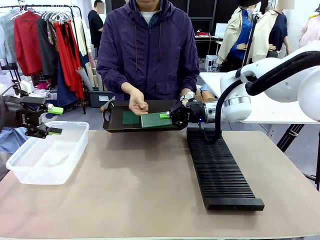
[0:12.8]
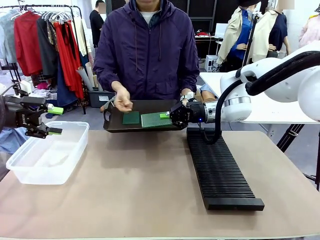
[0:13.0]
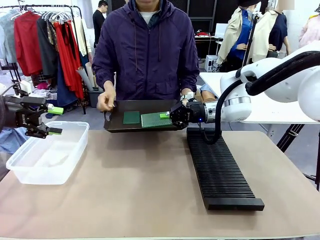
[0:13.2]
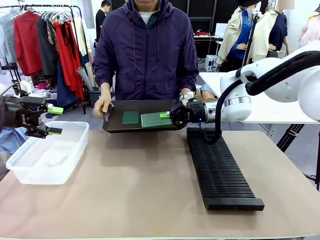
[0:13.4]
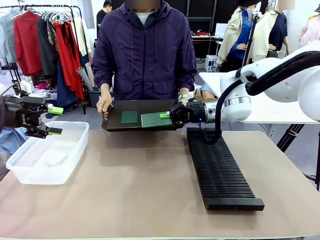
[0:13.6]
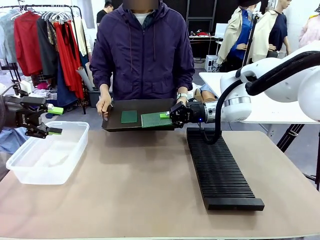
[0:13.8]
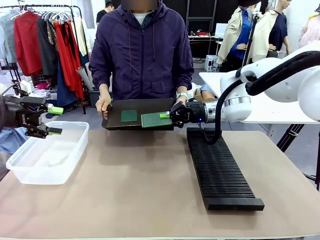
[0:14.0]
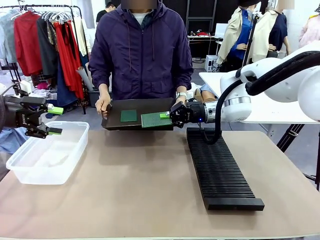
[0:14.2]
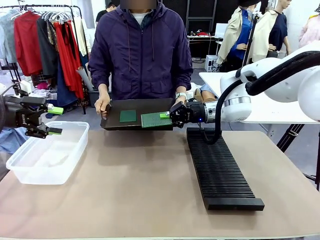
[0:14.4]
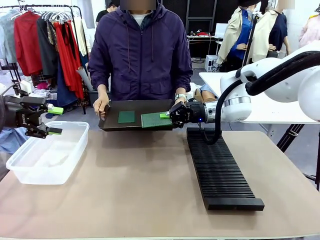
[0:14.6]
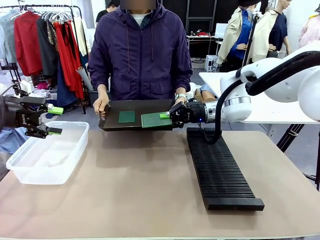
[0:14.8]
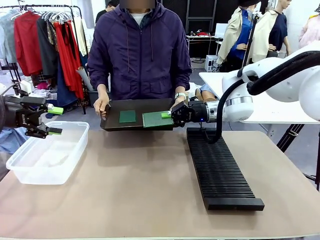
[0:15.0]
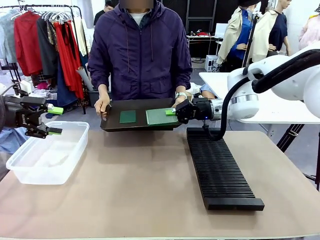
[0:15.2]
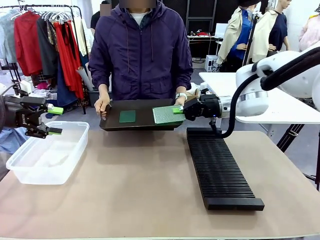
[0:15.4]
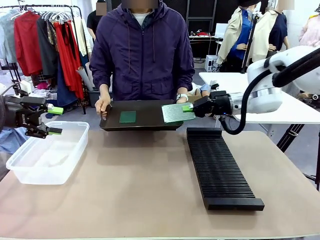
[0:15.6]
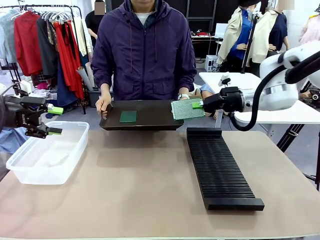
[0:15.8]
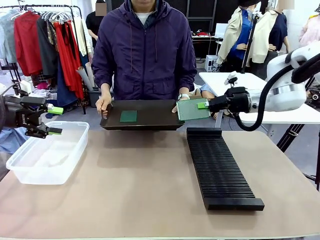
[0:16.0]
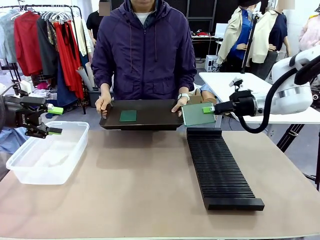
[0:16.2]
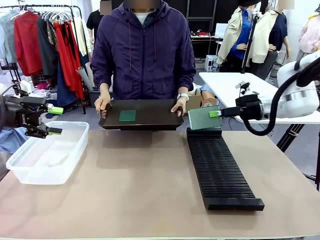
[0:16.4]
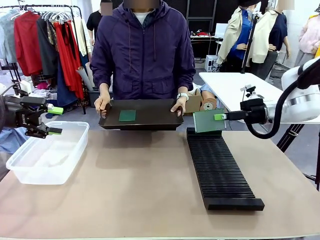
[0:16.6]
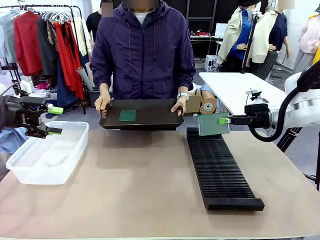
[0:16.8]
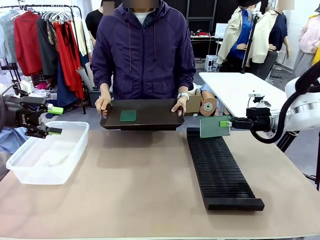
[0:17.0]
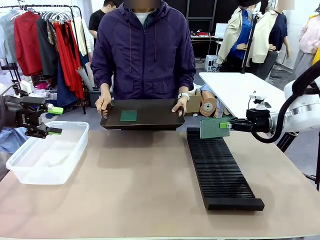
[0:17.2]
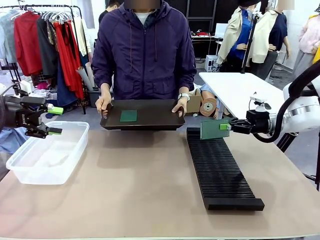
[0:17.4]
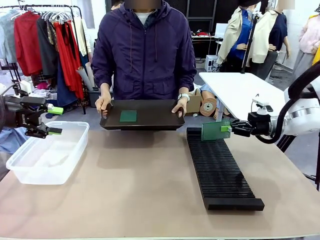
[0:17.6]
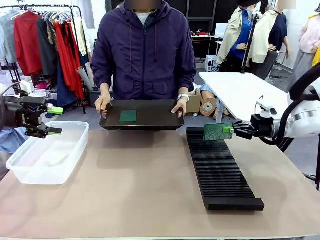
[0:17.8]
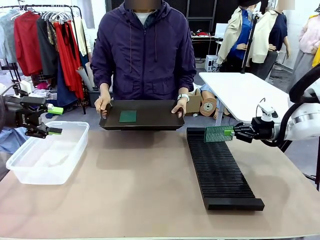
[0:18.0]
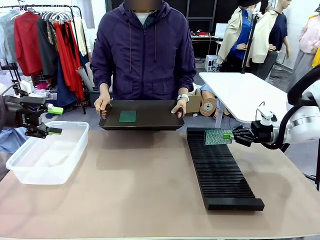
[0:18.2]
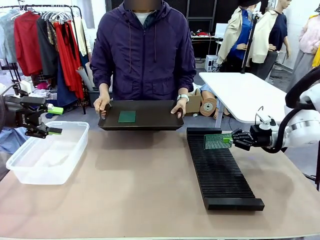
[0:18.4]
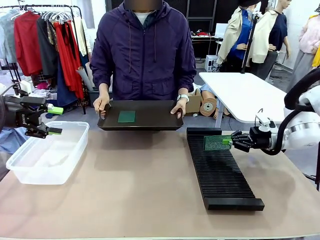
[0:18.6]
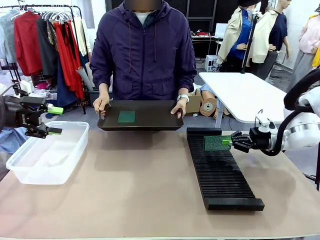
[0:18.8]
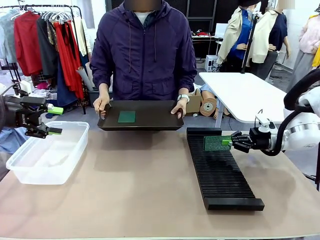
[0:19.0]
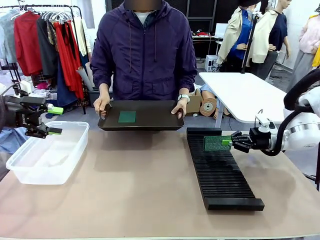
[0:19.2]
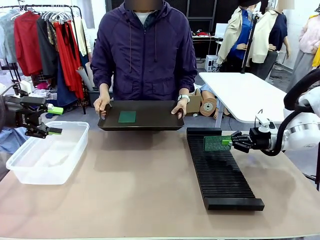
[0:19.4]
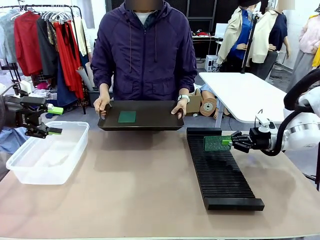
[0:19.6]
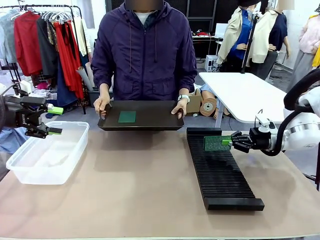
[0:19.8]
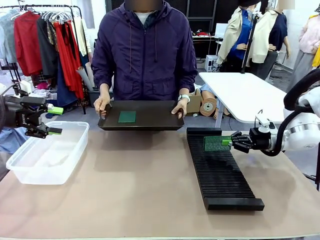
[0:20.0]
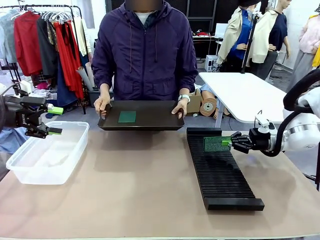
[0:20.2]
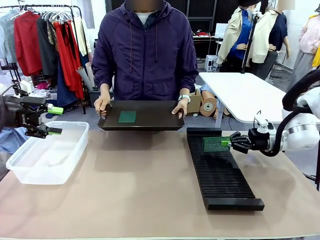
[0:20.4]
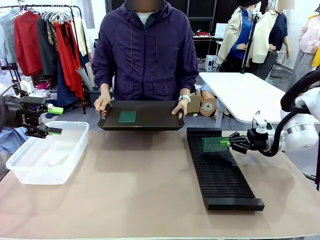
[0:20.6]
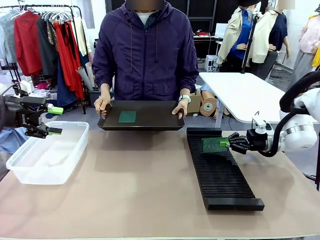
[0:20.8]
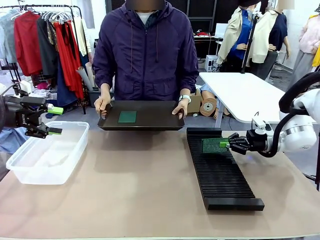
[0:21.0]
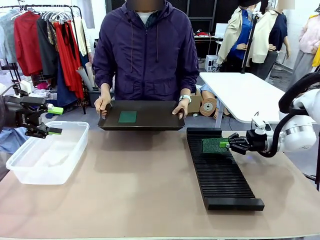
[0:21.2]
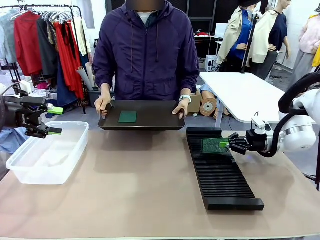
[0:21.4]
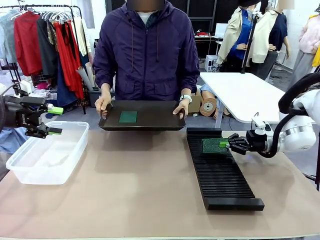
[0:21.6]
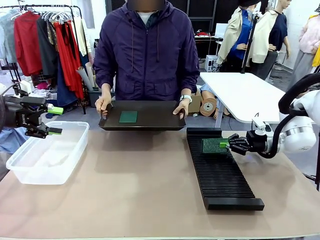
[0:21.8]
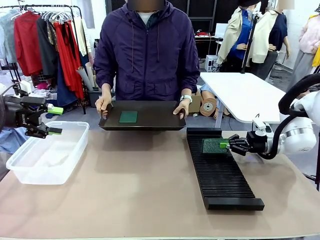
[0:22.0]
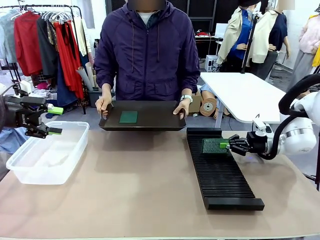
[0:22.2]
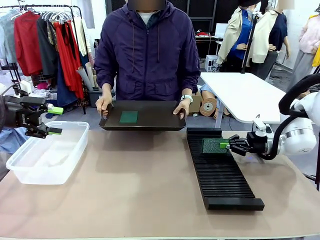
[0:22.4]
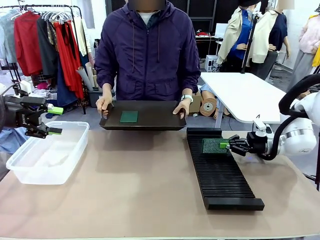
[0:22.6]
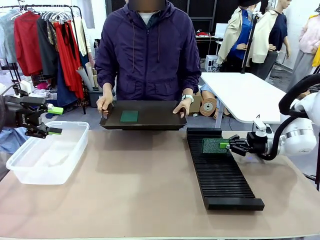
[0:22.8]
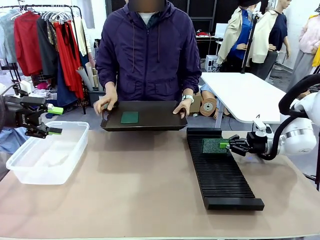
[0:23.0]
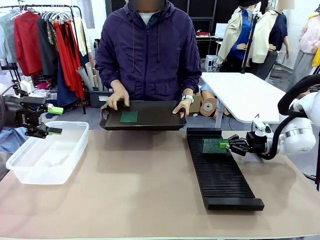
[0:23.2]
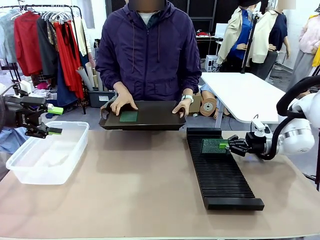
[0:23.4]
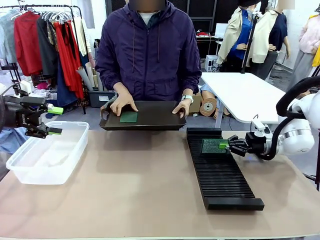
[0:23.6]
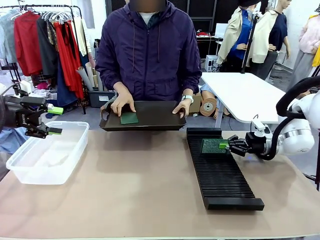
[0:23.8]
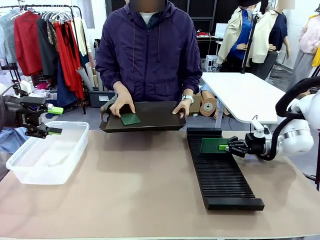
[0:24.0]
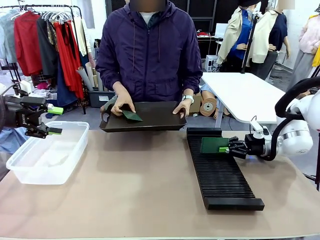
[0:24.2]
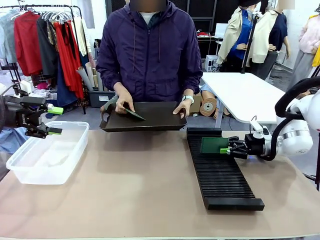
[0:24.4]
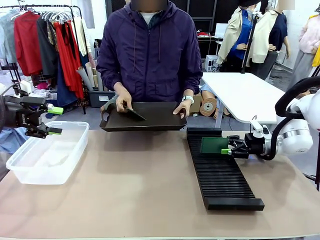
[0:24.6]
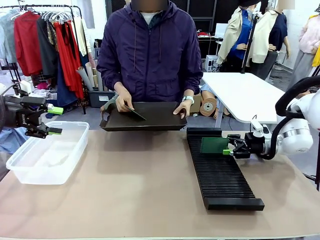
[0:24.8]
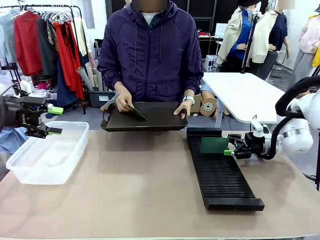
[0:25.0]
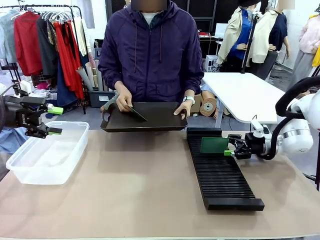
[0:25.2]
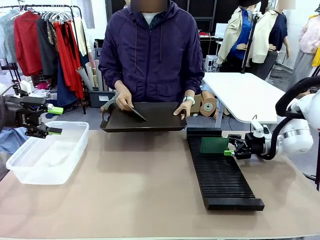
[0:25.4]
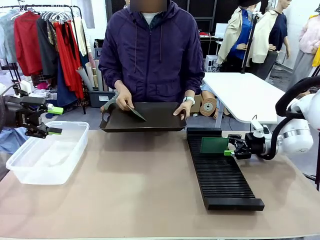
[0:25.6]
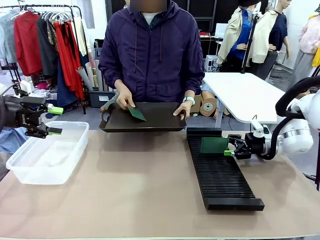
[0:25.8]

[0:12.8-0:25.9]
Task: Sort PCBs into racks and boxes based on the side picked up.
Robot: If the short side of the Blank PCB is picked up, insert it into the PCB Rack ; if the long side is picked up, place it in the Organizing box.
Person: Pick one PCB from the tray and present it to the robot.

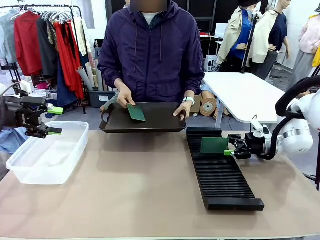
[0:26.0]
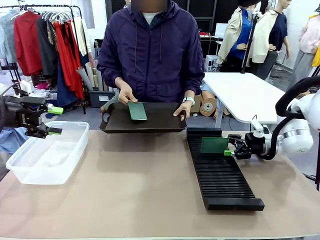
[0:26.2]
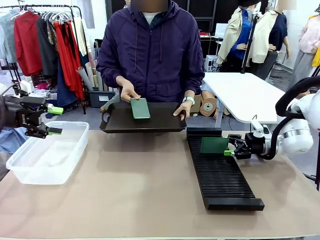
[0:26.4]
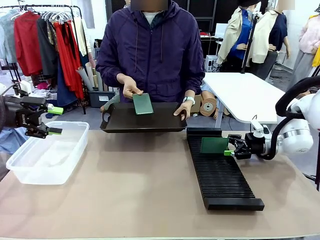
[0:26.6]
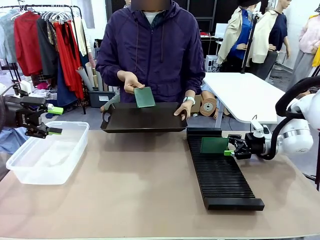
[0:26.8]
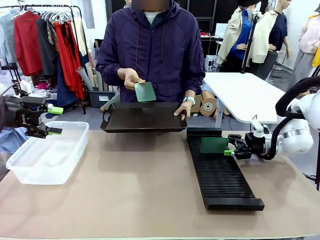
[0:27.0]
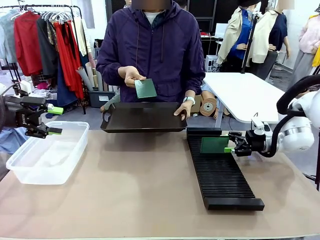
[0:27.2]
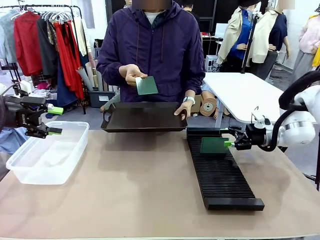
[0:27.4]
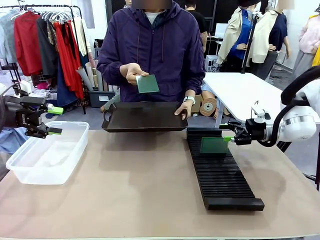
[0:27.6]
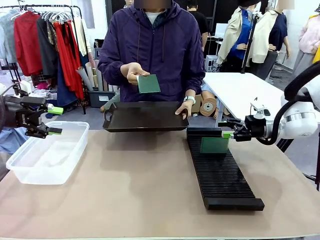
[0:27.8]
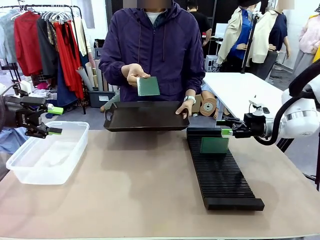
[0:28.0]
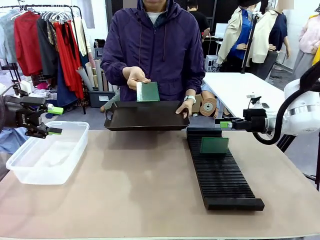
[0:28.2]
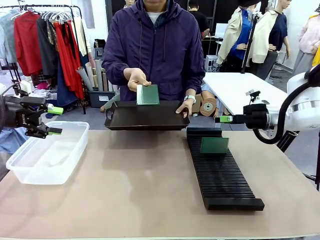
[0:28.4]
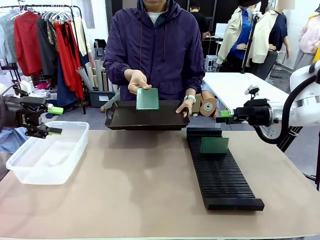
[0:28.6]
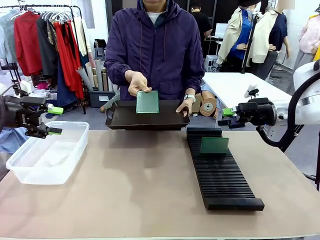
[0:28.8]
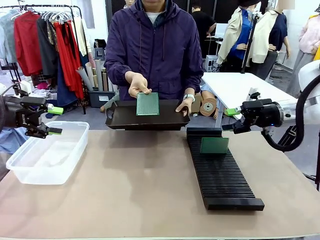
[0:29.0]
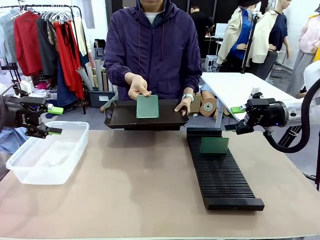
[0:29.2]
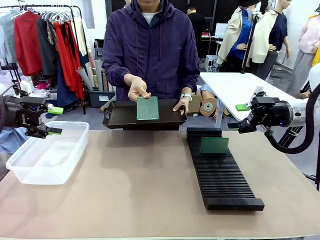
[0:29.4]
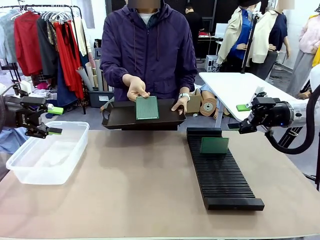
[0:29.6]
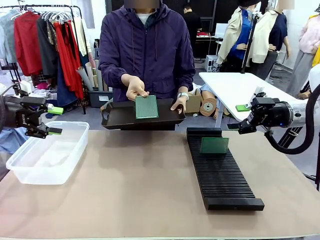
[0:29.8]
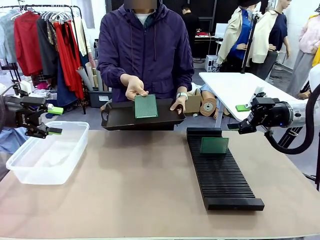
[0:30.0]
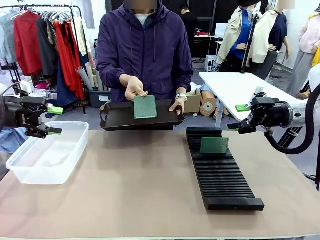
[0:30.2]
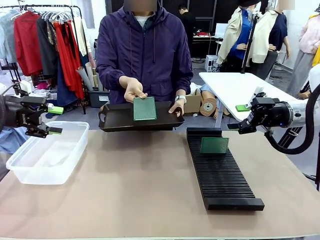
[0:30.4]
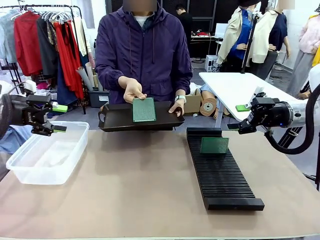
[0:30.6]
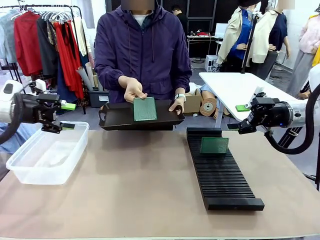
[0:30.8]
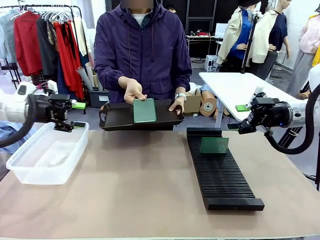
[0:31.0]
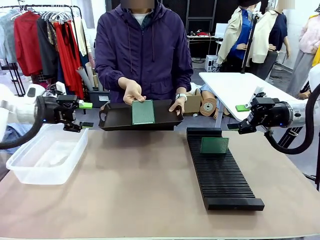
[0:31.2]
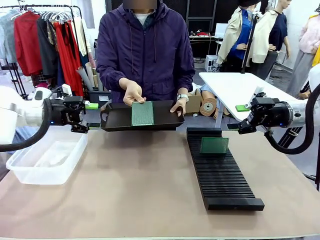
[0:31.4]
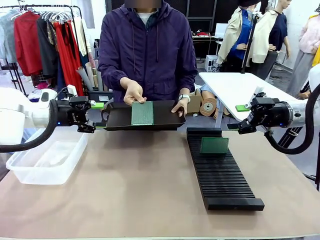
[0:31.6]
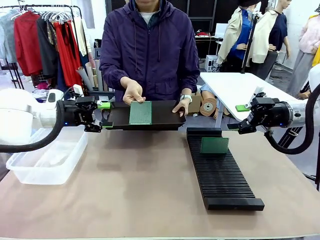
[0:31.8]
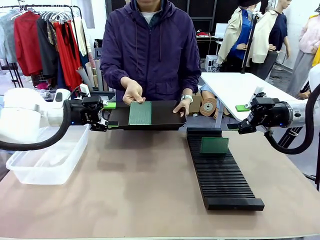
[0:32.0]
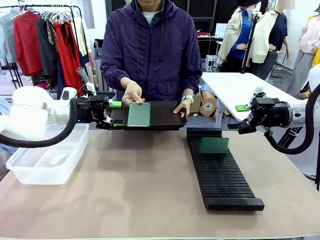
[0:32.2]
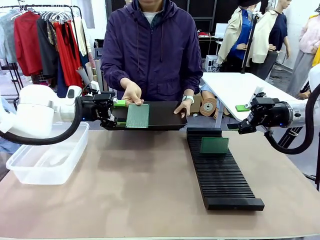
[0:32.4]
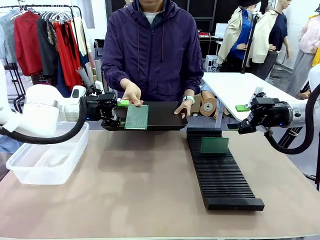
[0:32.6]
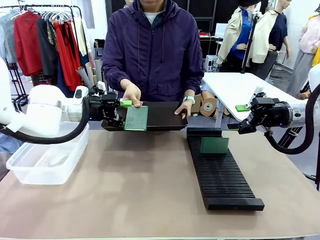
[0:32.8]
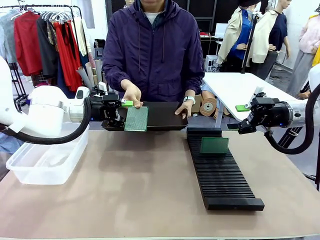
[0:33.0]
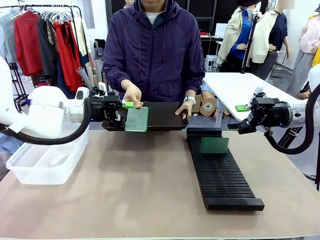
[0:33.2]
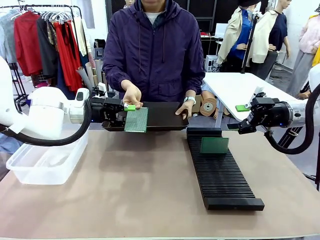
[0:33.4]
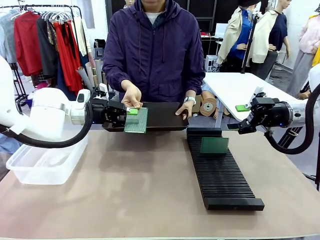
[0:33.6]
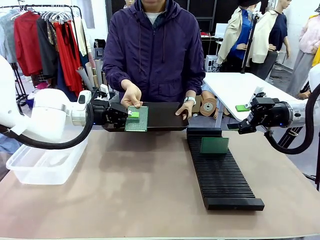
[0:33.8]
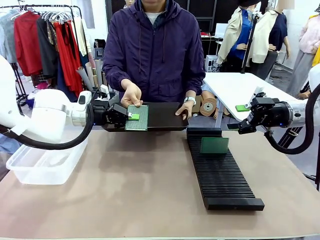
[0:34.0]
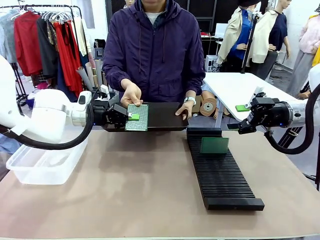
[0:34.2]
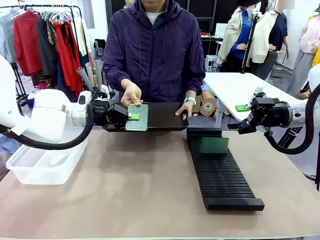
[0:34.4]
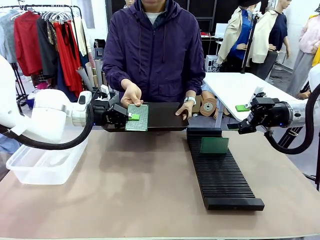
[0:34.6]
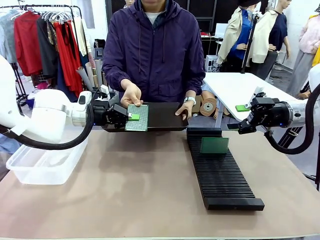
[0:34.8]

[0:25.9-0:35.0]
Robot: Pick up the Blank PCB handed by the Human.
